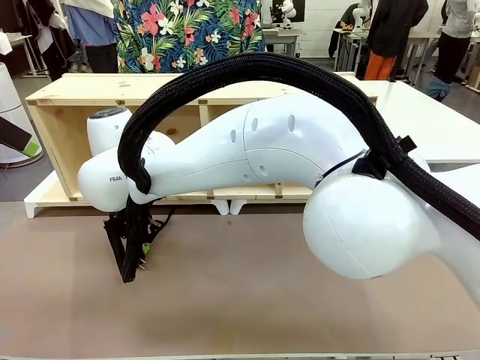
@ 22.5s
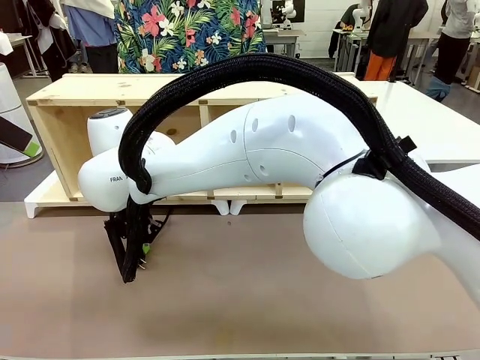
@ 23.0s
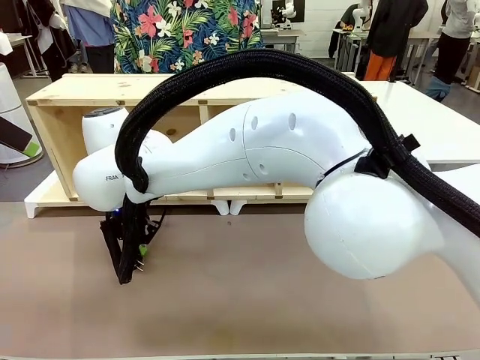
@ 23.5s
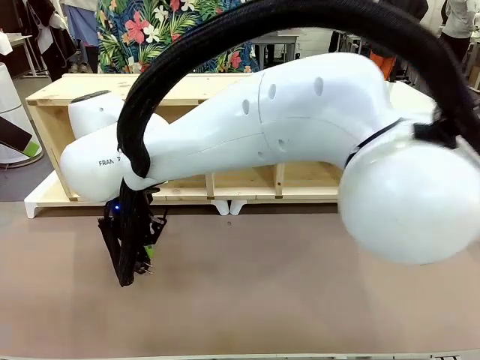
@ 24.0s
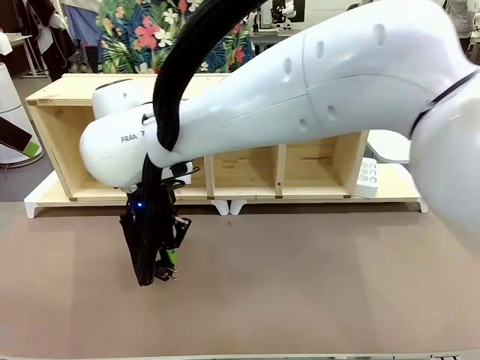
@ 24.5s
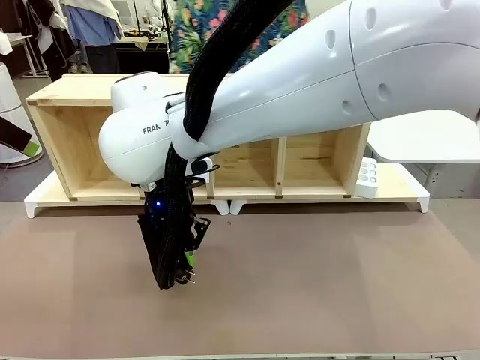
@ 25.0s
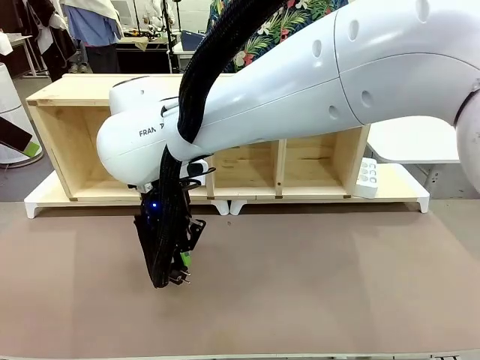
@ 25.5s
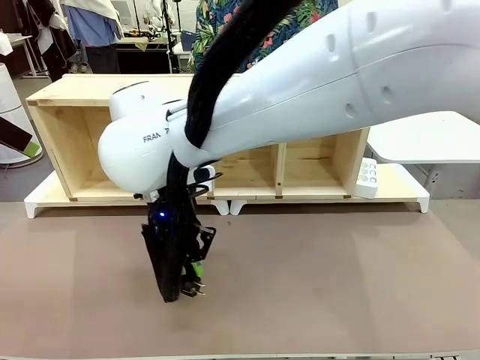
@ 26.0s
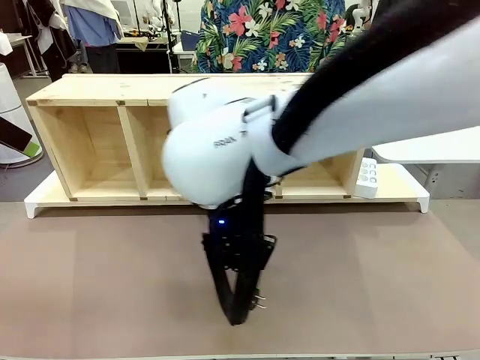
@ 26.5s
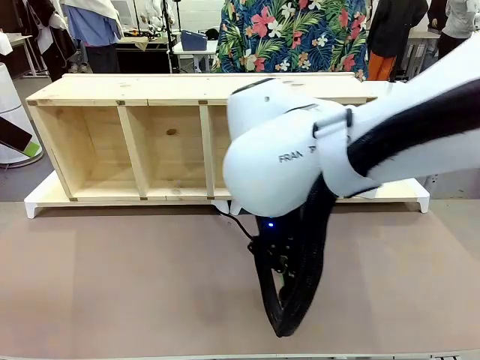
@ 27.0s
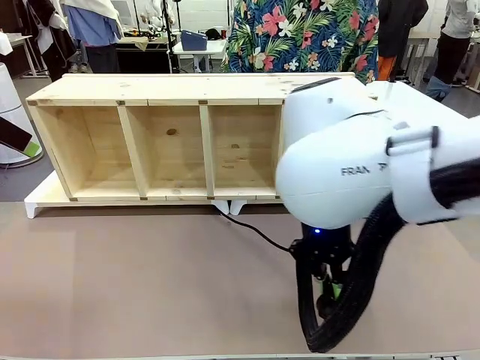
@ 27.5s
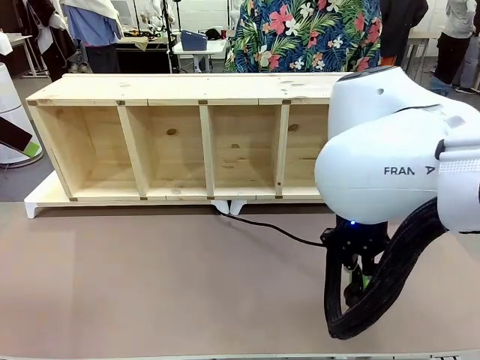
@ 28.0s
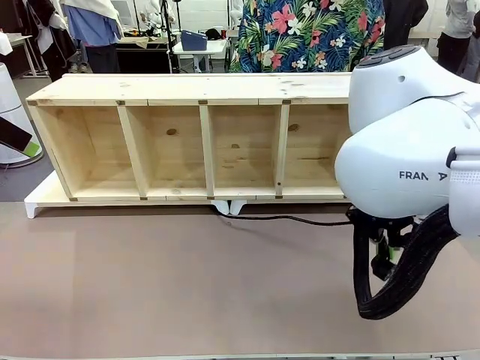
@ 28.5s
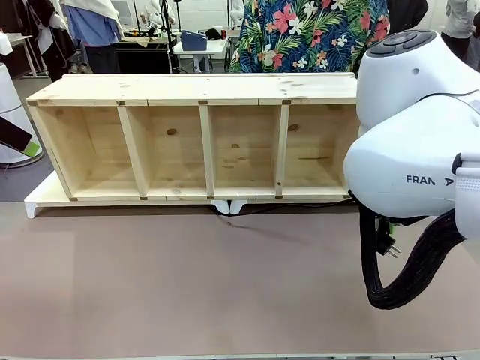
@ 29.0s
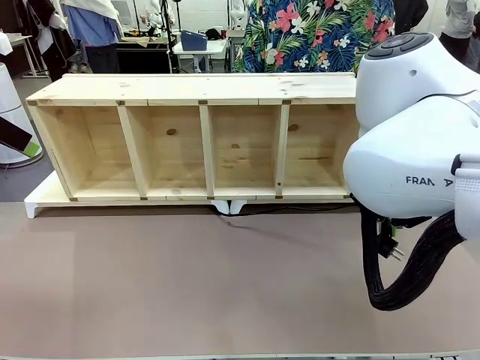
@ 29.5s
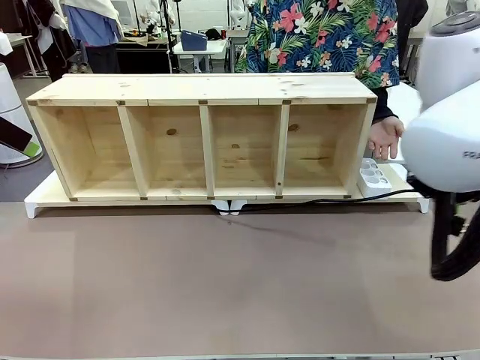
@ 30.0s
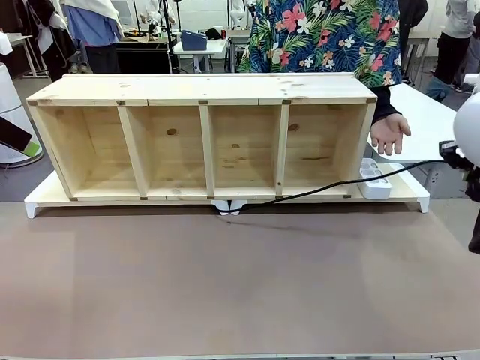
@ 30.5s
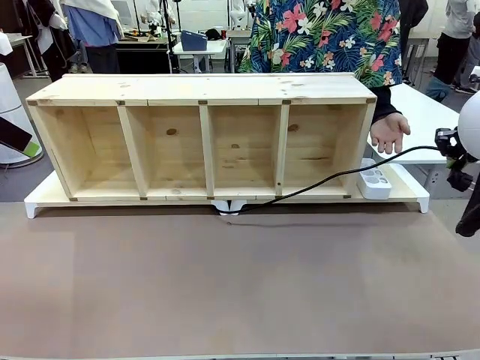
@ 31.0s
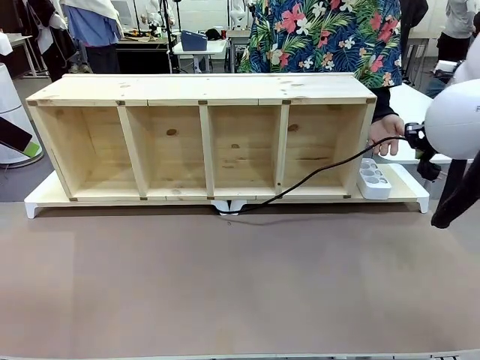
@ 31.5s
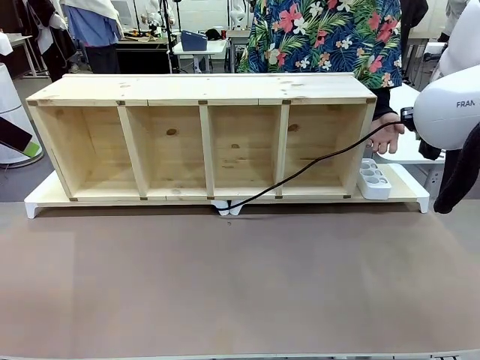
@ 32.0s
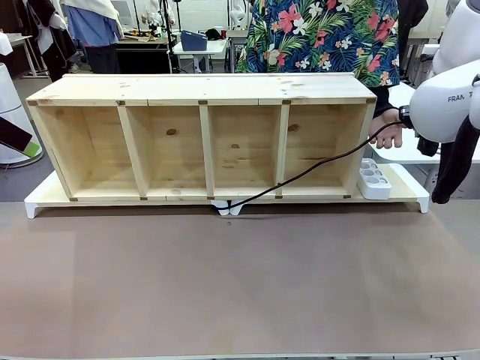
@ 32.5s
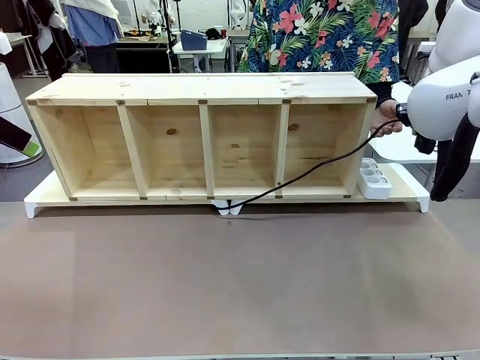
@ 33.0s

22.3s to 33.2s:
Task: Perform cable management.
Robot: Pull the grasped Power Cable to the location of the Power Strip.

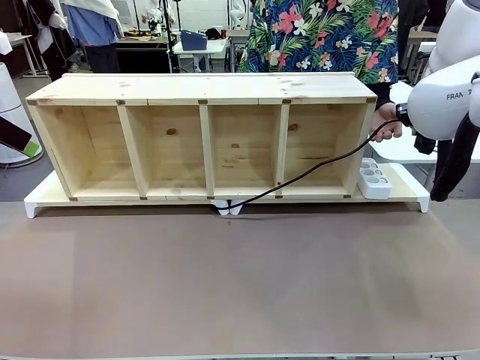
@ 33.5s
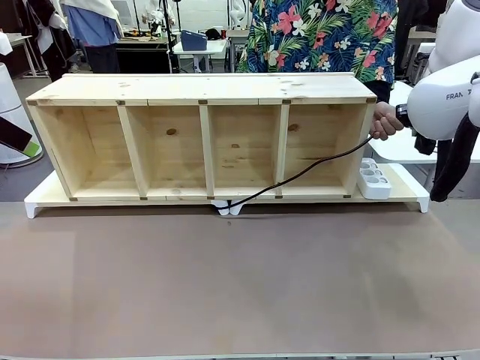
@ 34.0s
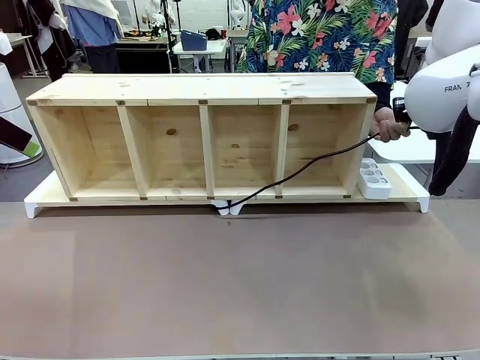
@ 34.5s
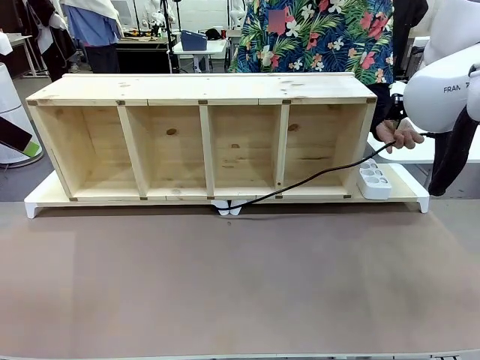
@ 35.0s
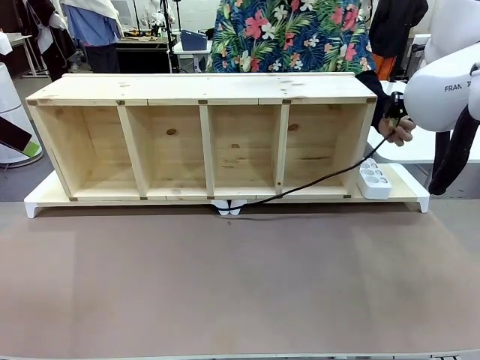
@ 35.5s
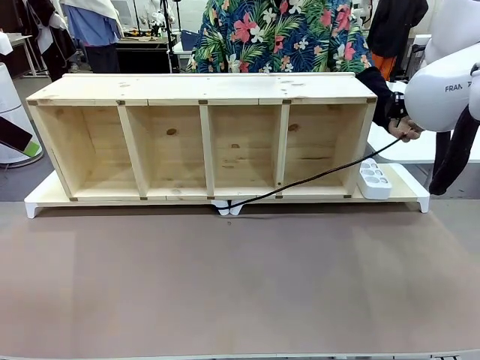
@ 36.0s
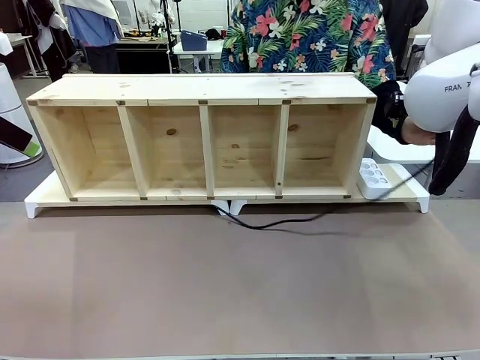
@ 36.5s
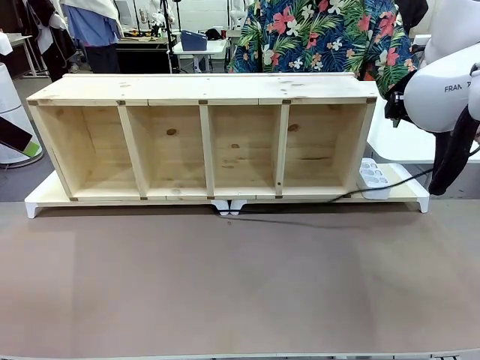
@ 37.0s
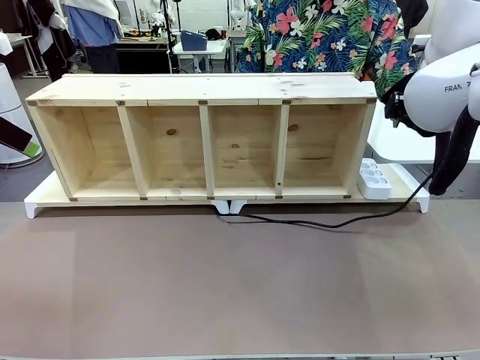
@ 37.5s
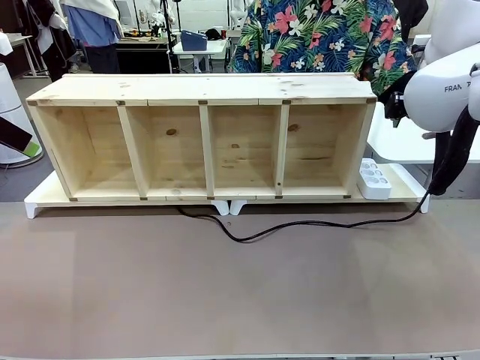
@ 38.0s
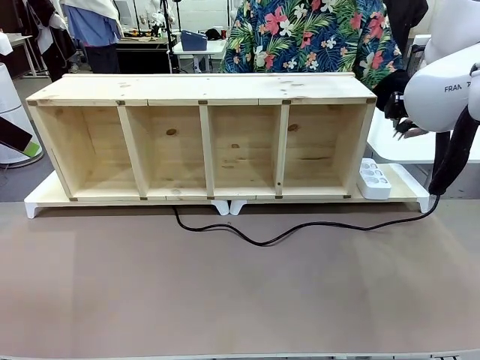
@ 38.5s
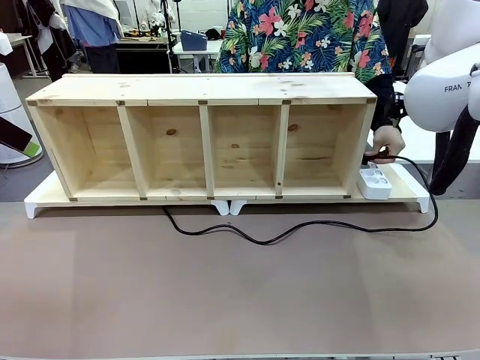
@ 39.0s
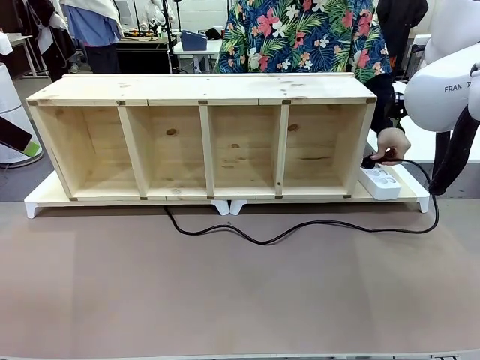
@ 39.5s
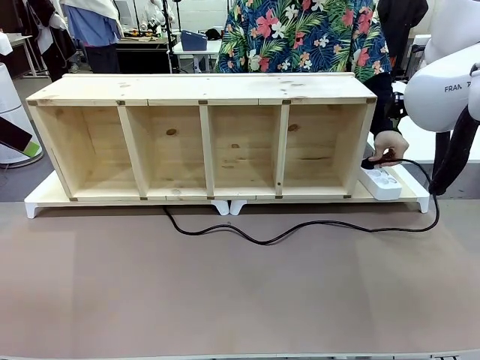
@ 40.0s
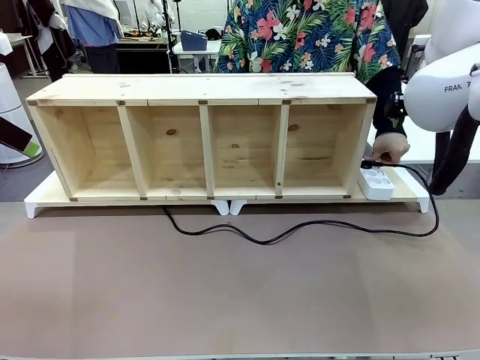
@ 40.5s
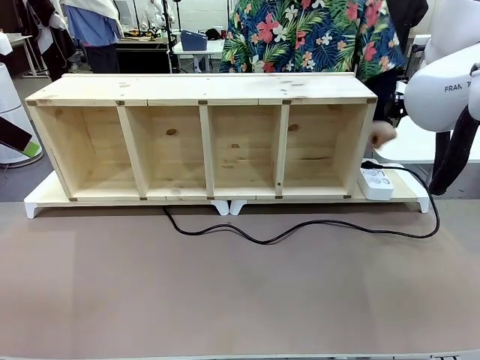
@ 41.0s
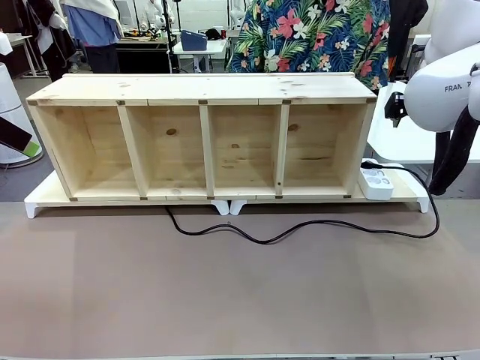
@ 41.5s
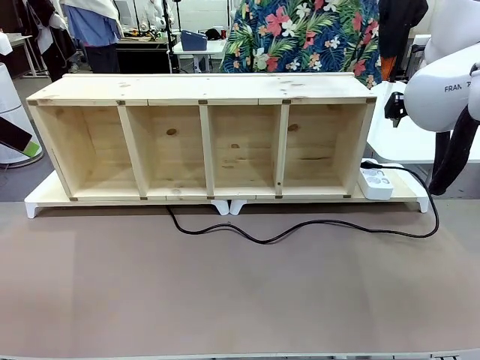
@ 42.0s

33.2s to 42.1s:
Robot: Release the Power Cable when the human grasps it.
Person: Plug the Power Cable into the Power Strip.

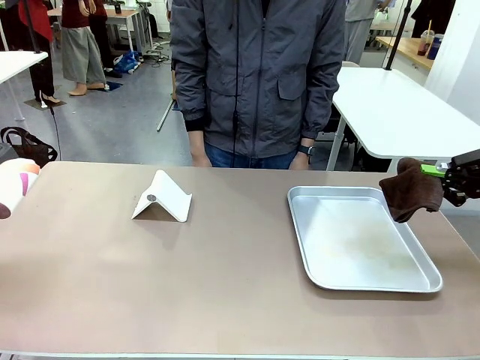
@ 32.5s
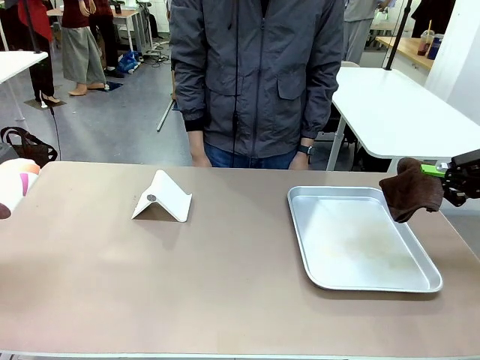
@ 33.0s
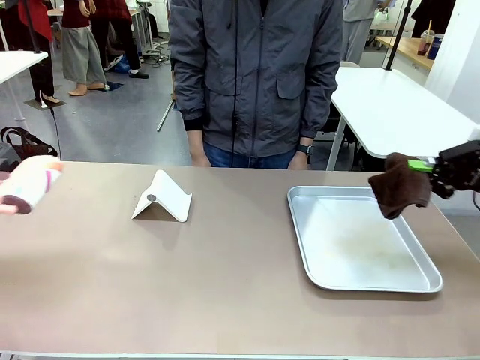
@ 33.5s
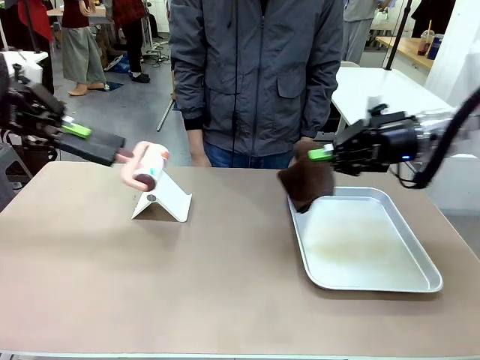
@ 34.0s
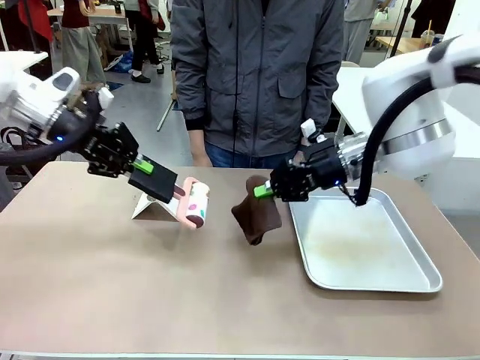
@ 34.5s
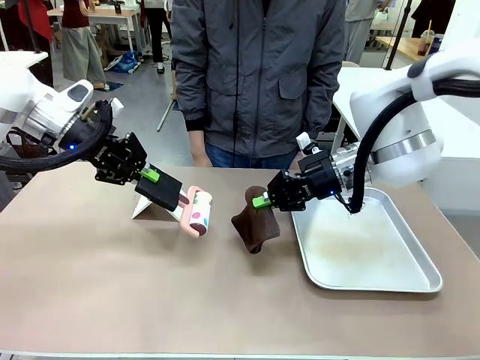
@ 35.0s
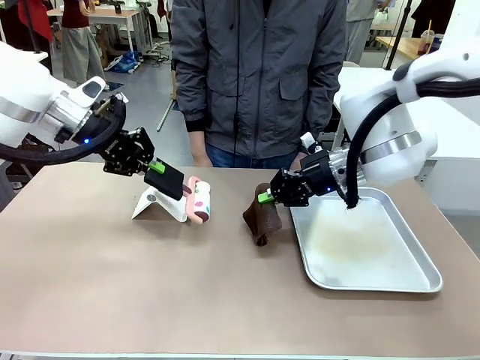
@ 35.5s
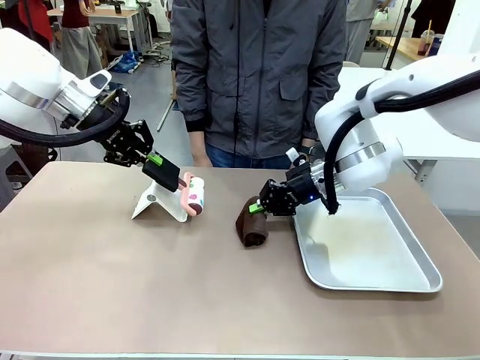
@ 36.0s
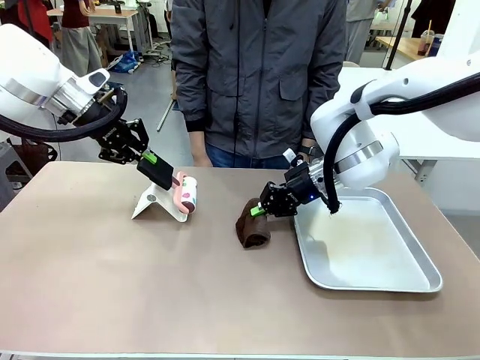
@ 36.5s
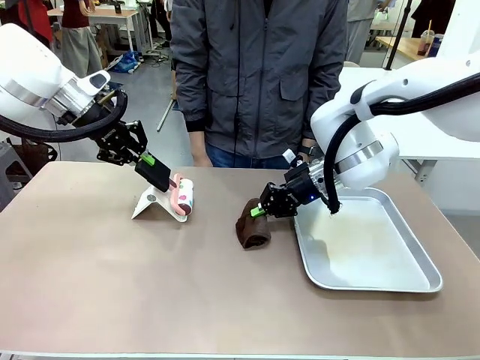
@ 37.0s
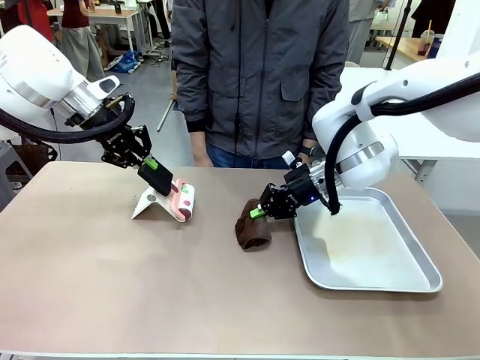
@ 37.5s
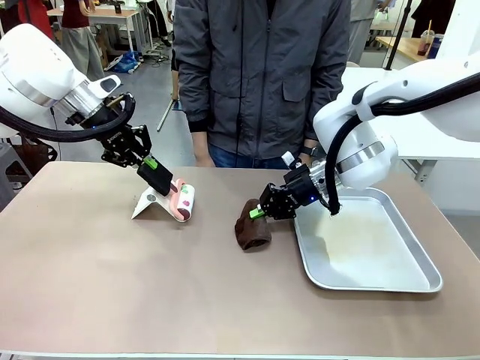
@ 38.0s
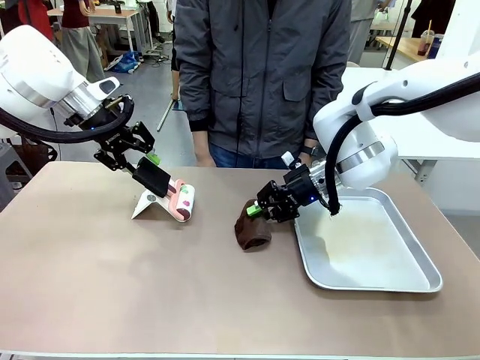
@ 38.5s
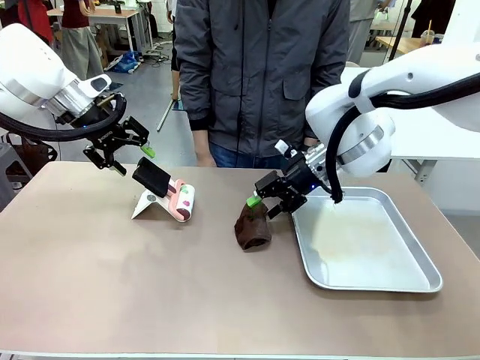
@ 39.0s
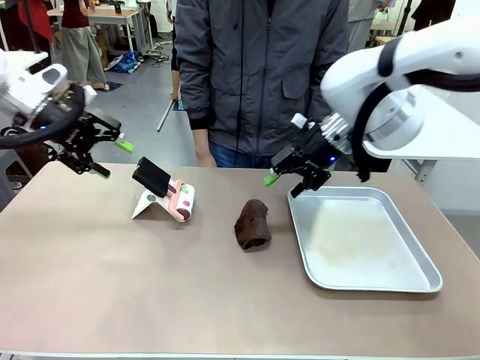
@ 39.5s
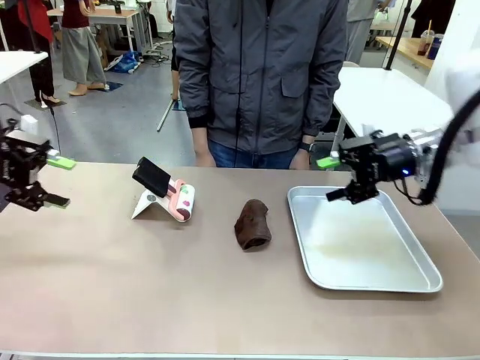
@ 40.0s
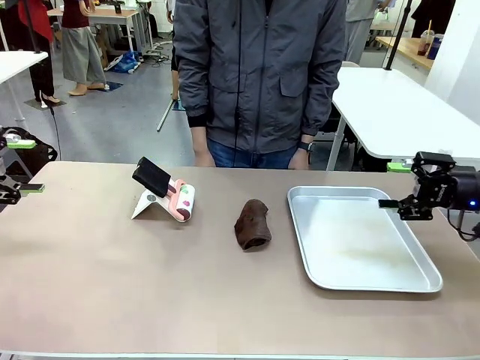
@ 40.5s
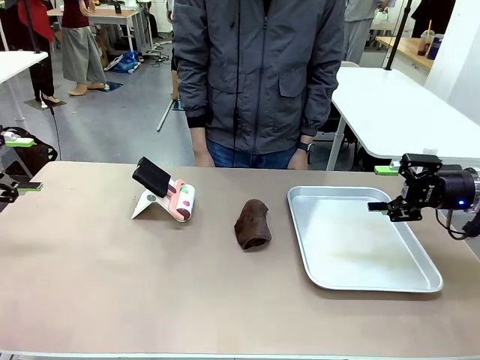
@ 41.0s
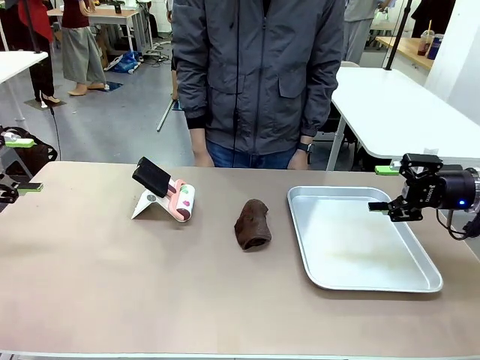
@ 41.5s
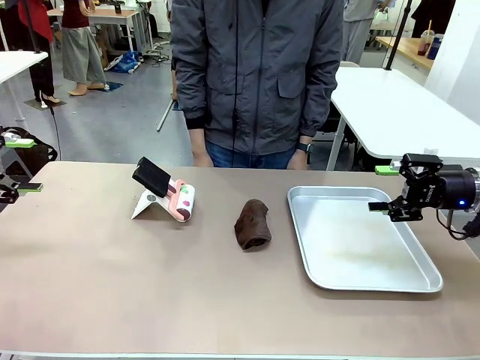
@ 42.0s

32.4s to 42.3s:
Task: Clean the surface of the table.
Robot: Return the Lint Roller and towel to their original positions.
